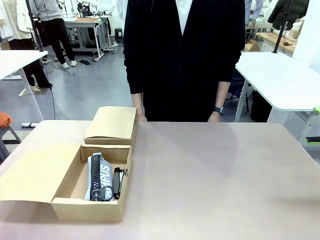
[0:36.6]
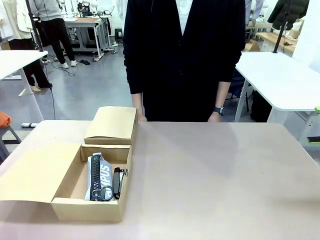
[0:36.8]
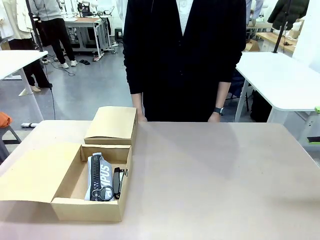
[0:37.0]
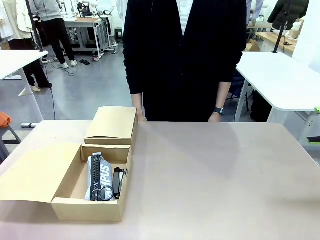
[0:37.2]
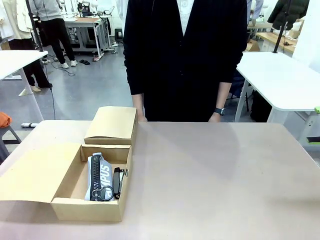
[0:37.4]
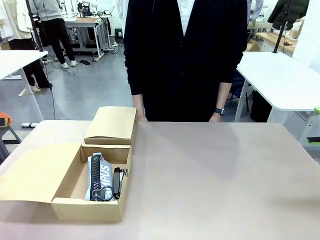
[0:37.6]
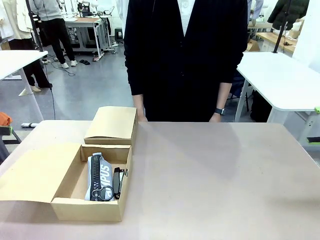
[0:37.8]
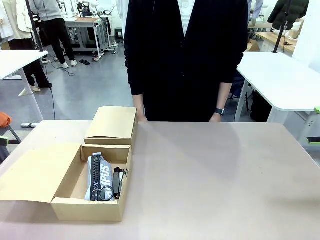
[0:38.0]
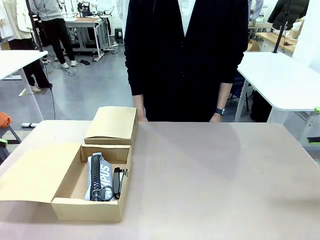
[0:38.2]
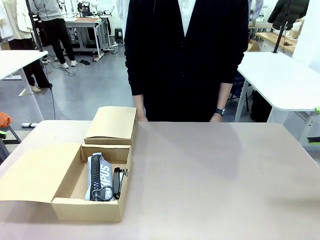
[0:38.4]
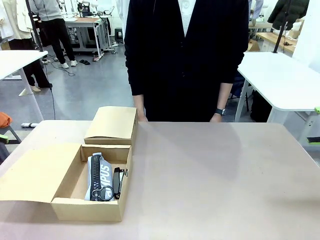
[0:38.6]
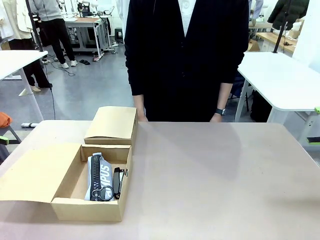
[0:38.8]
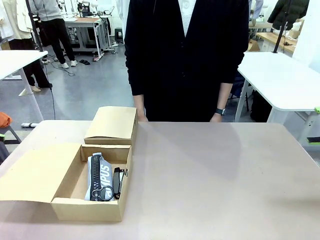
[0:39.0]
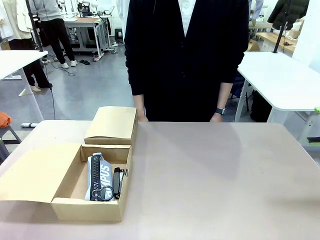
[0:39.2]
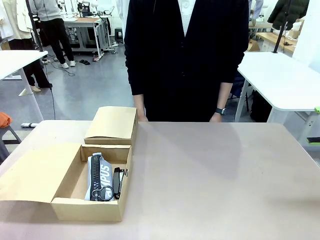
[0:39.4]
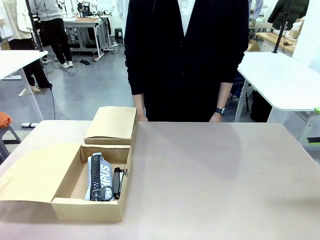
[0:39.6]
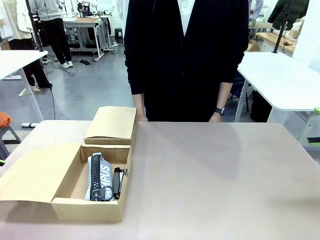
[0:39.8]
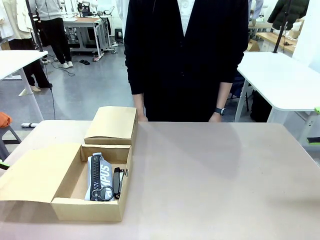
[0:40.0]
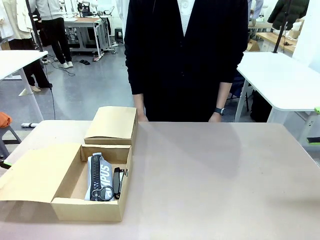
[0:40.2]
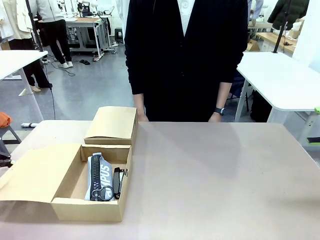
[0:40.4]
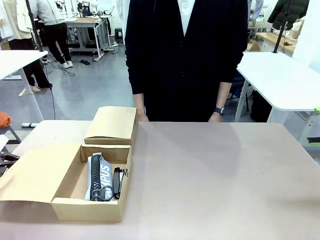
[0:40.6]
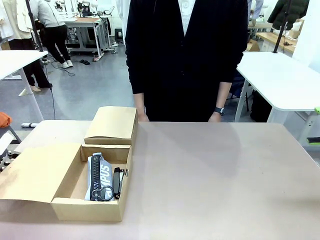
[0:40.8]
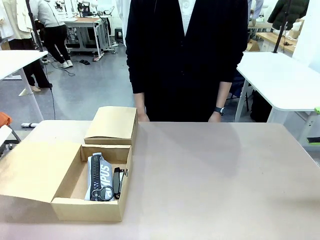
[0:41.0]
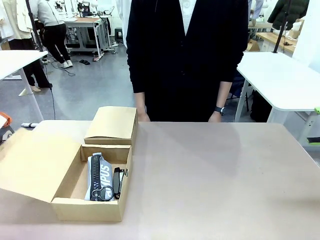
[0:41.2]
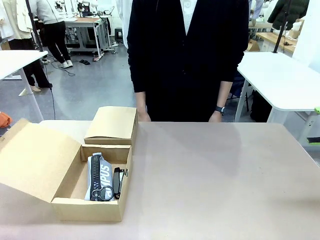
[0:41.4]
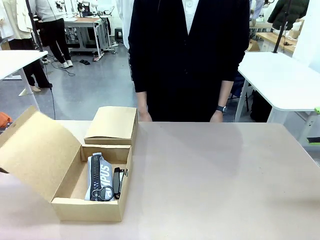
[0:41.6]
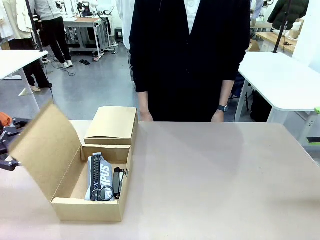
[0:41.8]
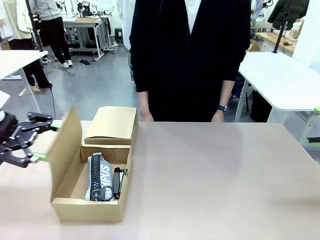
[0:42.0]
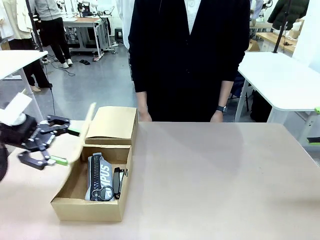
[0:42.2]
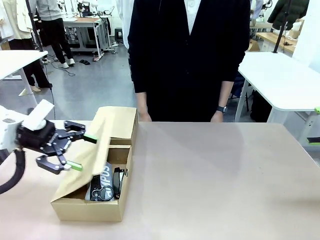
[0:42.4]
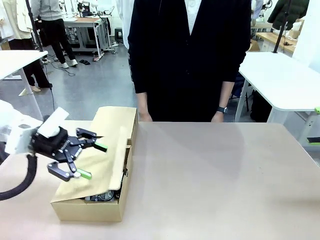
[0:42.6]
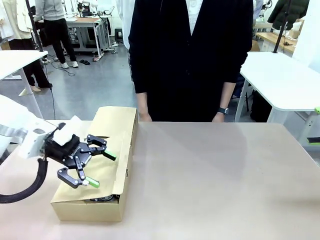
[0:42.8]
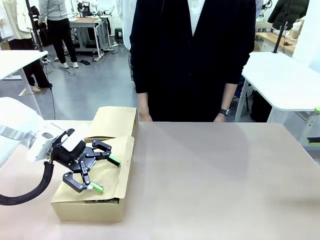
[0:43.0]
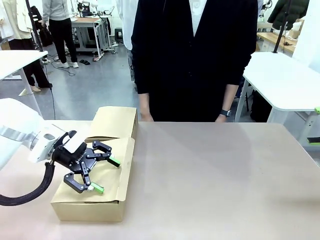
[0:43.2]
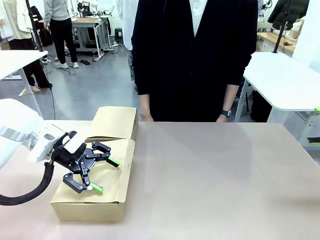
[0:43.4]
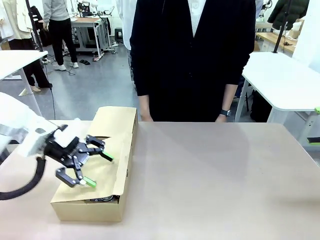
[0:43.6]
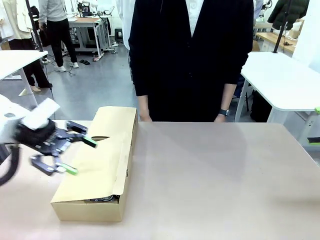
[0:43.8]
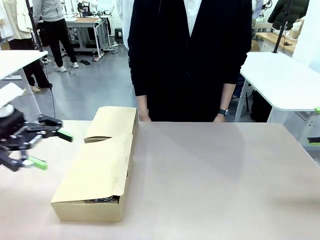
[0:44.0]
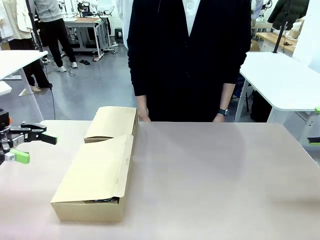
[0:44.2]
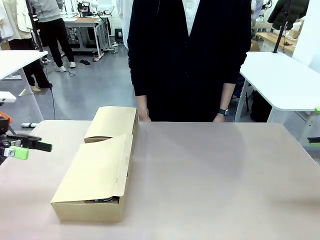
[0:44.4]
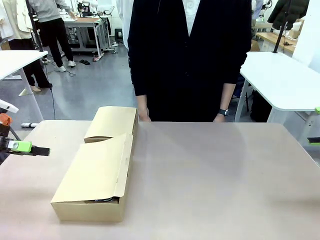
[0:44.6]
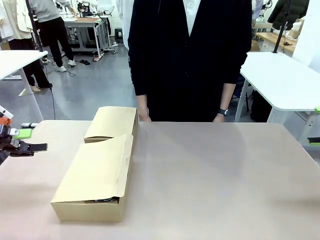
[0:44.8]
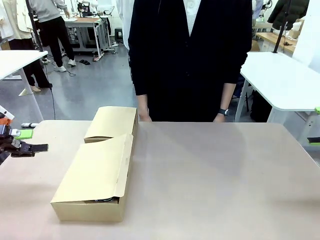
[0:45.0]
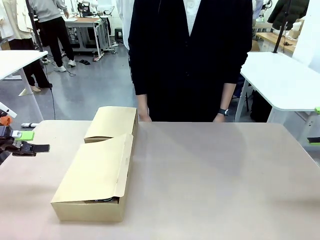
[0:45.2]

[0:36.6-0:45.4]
Task: Place items inside the box.
Robot: Close the lid of the Mailer Box closest to the robot.

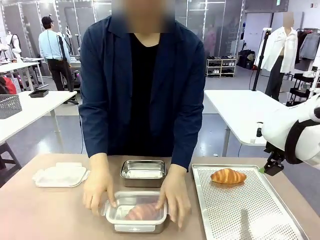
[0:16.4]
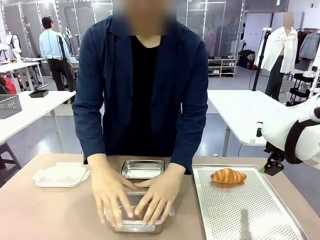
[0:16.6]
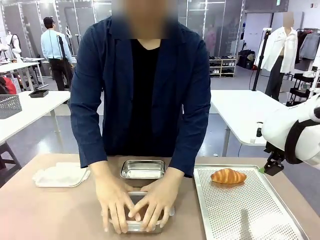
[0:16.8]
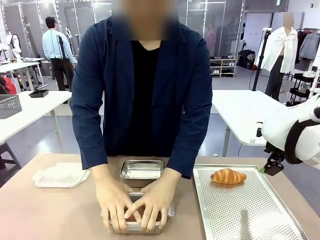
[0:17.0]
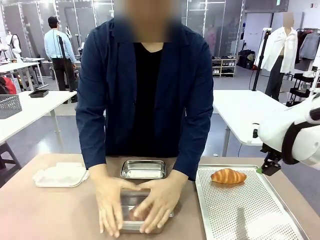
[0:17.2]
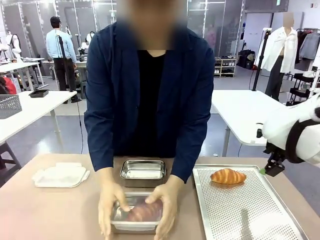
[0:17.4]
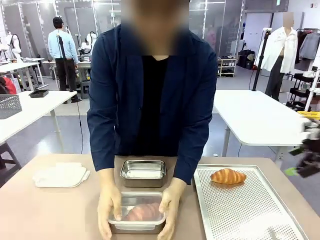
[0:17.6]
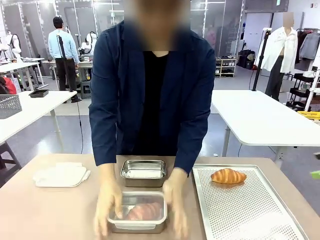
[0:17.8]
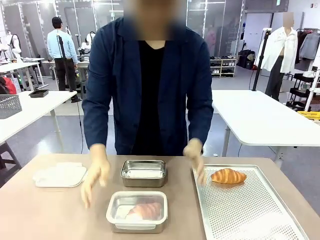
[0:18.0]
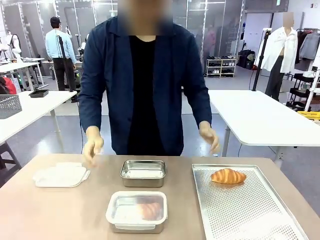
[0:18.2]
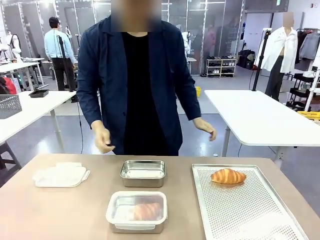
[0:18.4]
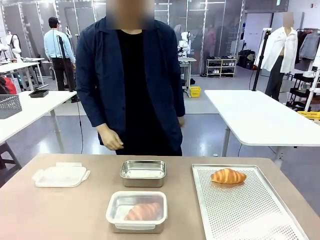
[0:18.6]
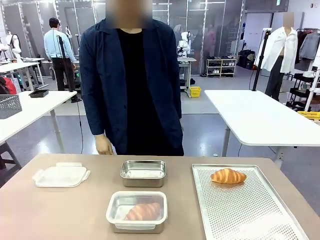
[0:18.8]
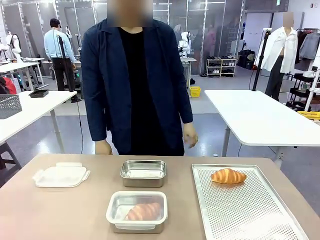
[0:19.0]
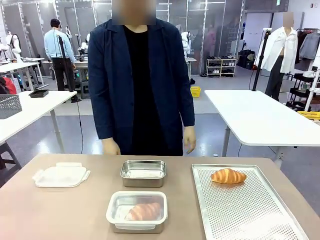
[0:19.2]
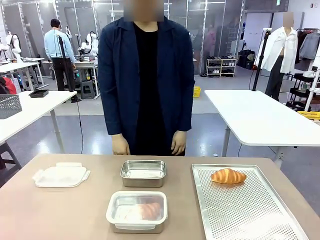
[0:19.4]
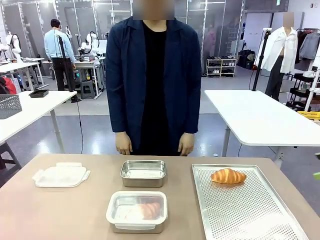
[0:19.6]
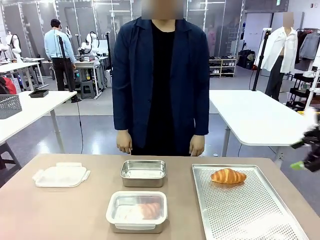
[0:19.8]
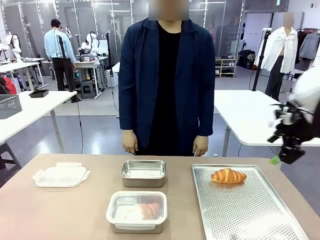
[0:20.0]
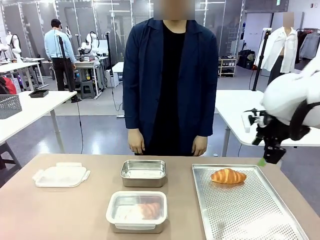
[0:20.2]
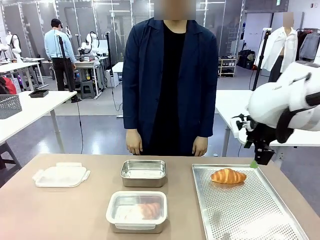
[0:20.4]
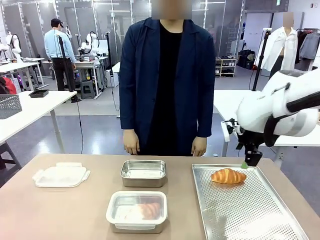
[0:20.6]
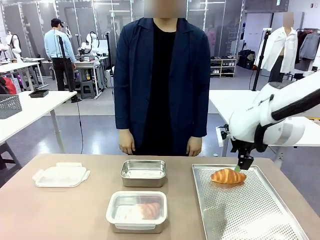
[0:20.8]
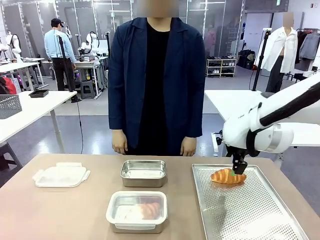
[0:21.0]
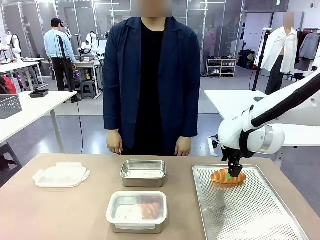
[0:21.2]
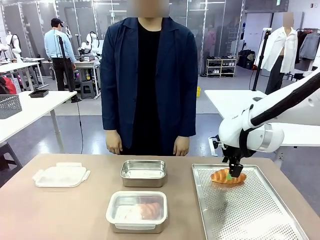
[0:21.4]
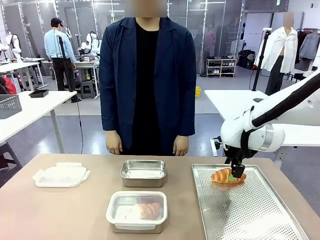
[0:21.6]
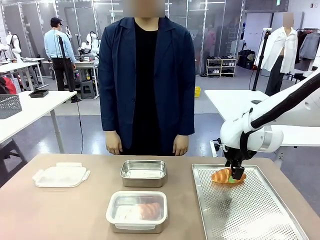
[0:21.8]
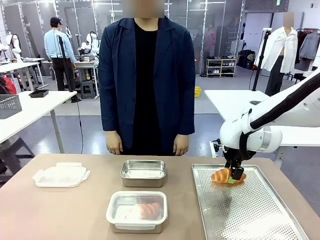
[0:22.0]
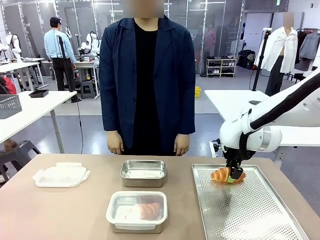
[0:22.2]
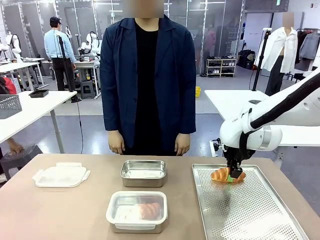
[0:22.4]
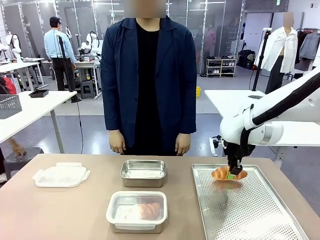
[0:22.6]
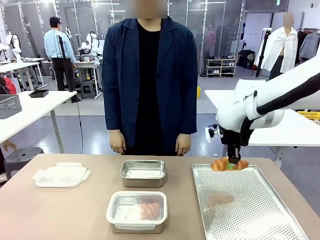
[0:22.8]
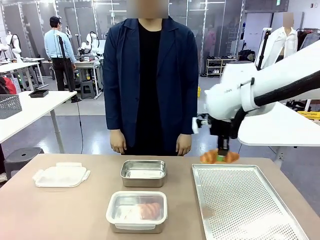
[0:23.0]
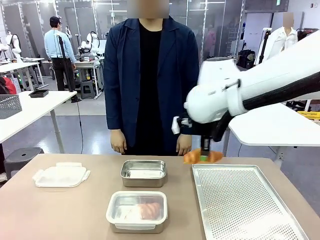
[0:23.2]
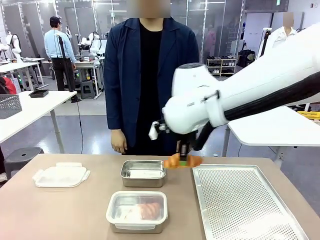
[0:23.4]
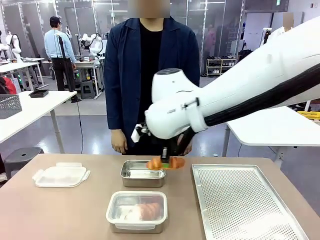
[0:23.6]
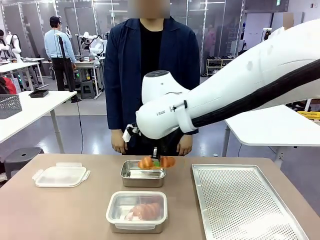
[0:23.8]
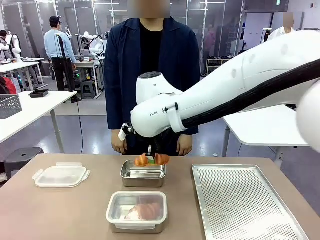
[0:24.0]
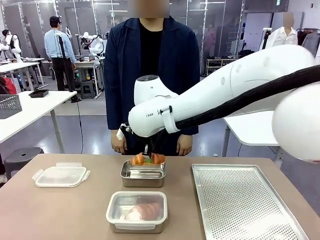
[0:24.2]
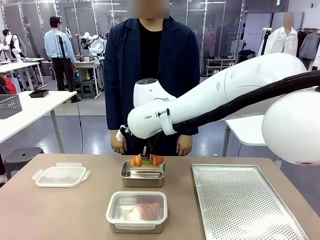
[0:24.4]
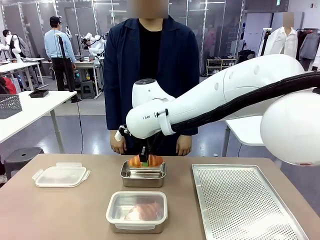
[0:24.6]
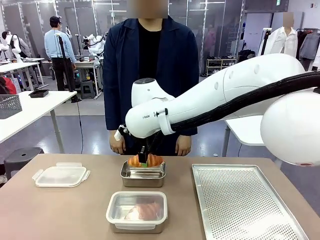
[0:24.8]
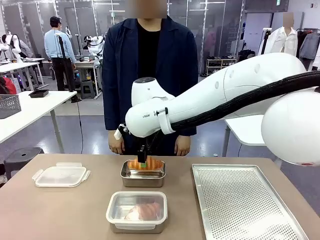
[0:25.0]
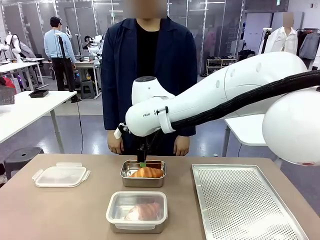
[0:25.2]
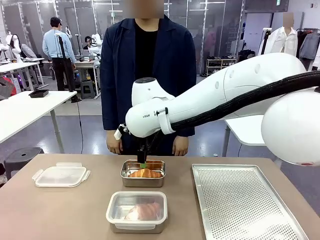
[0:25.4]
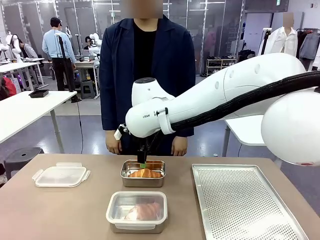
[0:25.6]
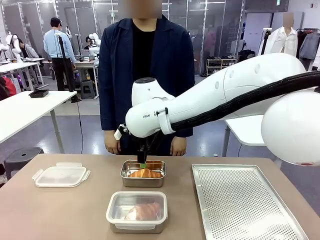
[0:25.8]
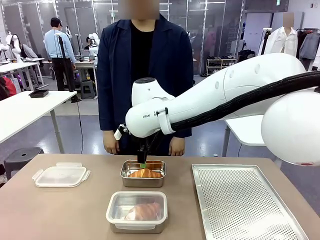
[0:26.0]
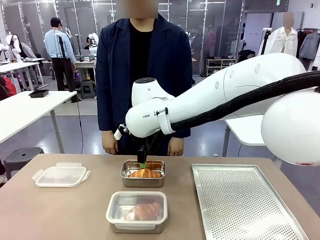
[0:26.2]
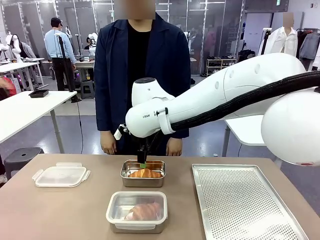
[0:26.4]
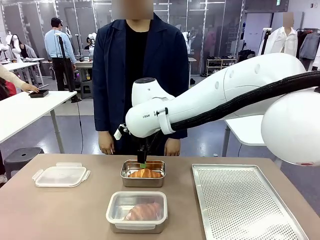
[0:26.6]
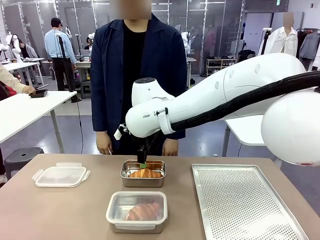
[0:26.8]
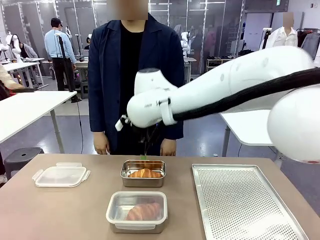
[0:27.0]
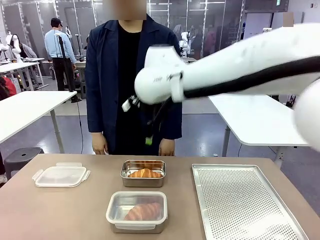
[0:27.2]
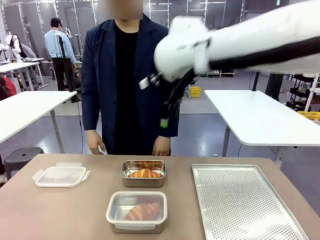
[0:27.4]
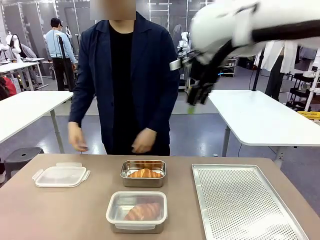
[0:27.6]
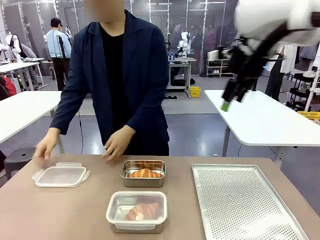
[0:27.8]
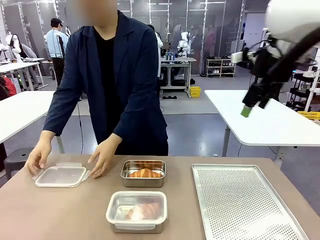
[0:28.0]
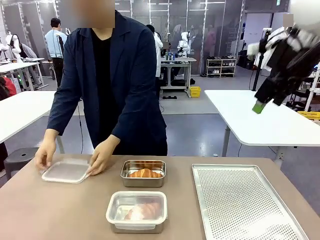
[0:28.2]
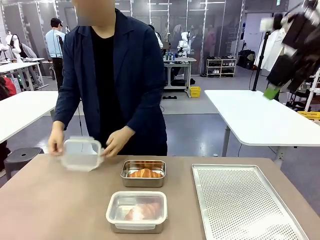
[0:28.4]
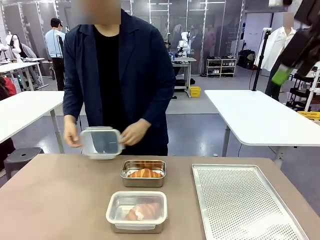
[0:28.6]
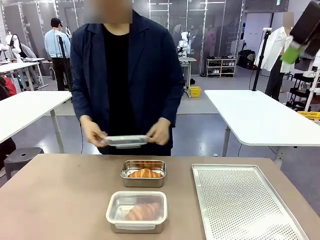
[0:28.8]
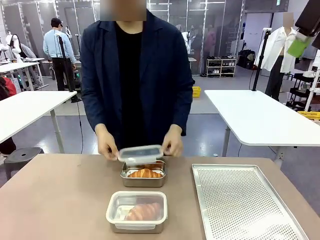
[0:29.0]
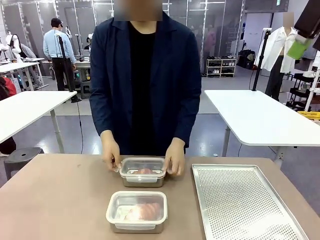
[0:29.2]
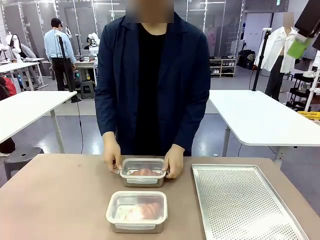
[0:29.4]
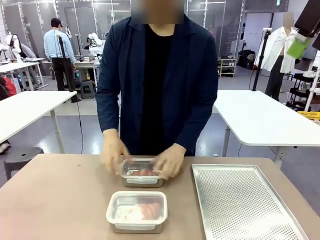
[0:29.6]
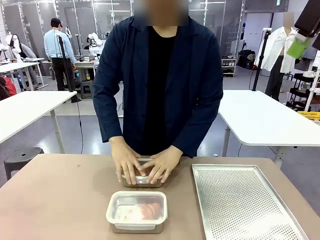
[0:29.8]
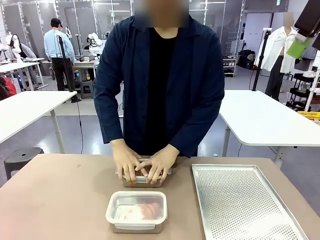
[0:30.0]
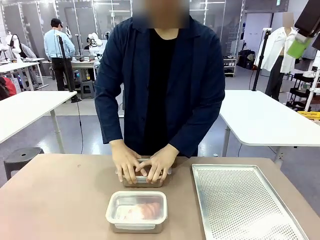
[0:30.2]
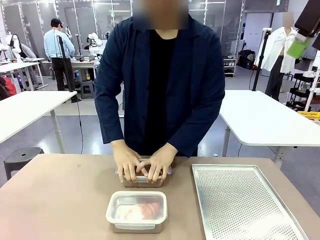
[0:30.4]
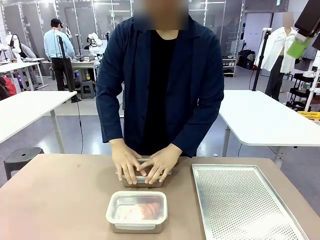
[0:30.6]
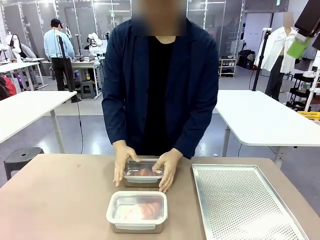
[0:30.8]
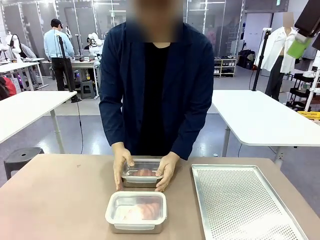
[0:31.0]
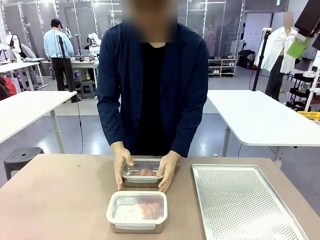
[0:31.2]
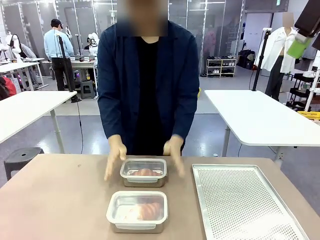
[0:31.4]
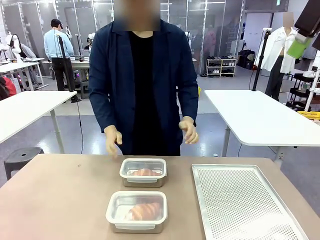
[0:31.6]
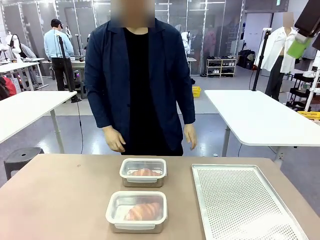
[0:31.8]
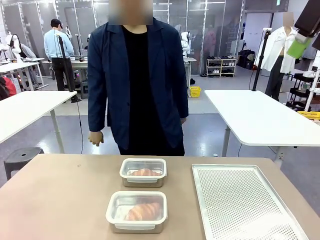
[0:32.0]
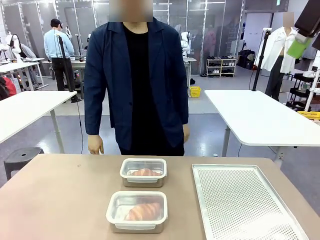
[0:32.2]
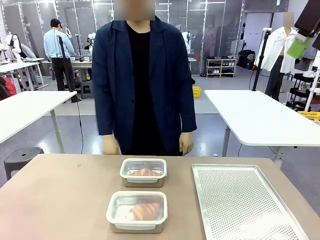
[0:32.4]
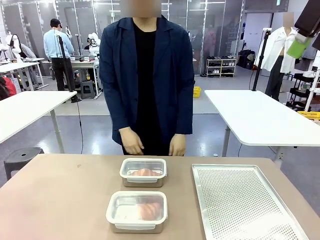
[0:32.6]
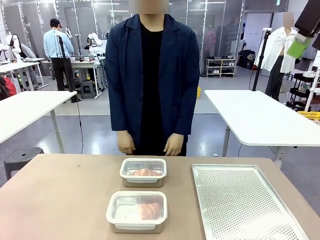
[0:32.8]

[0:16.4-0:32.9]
Task: Place the bread into the airtight container.
Robot: Pick up a Butter Roll and place it into an empty Airtight Container.
Person: Once a Butter Roll is inside an Airtight Container , close the lid of that Airtight Container.
